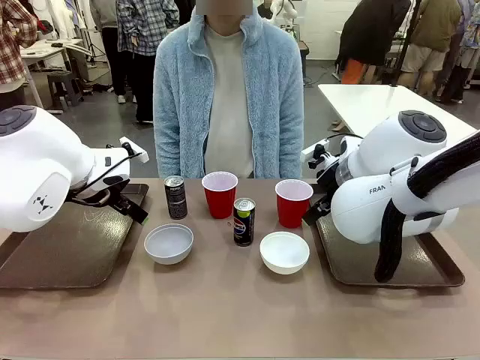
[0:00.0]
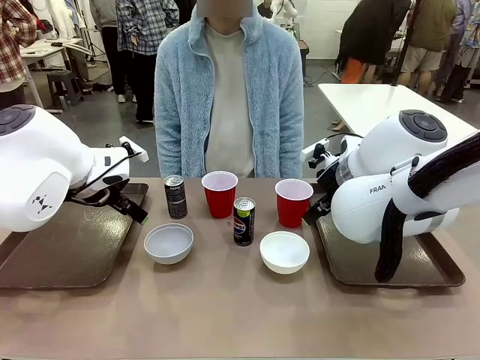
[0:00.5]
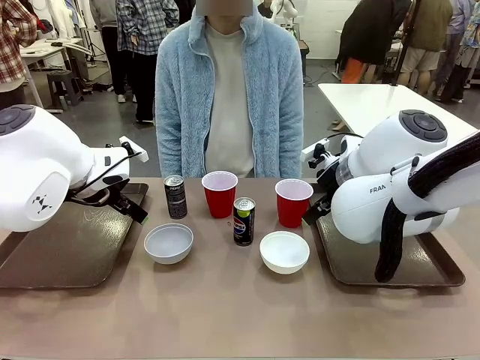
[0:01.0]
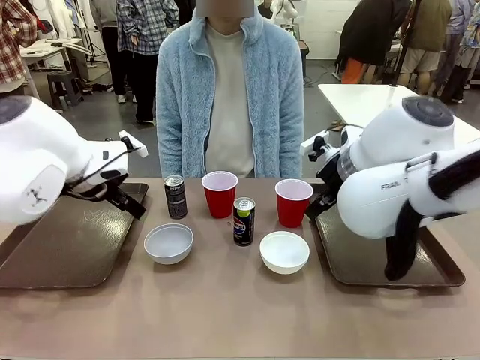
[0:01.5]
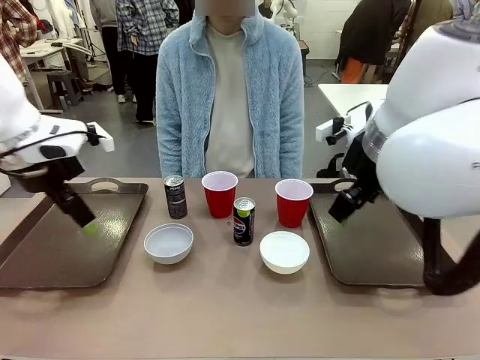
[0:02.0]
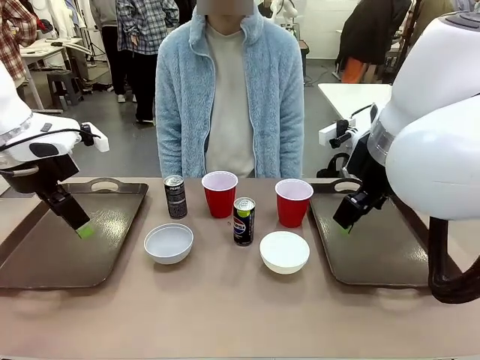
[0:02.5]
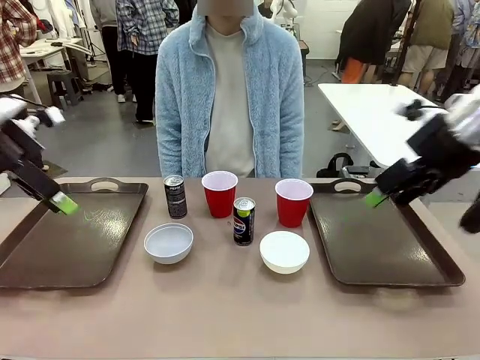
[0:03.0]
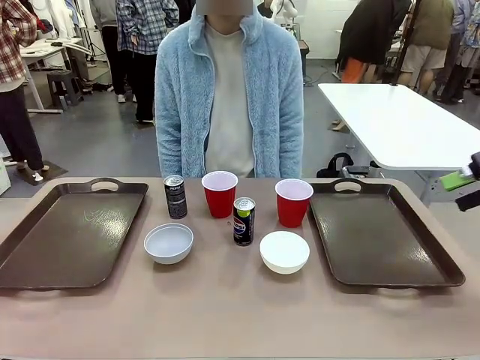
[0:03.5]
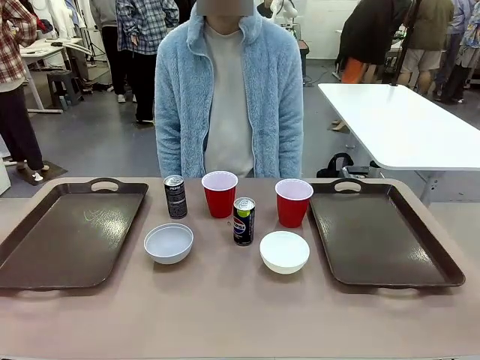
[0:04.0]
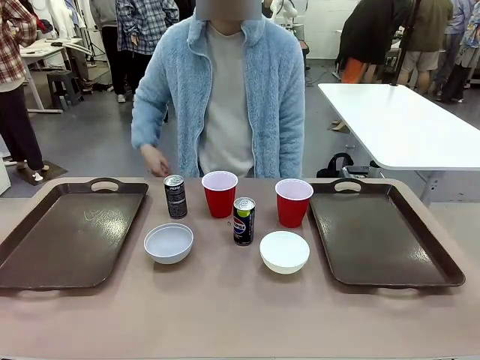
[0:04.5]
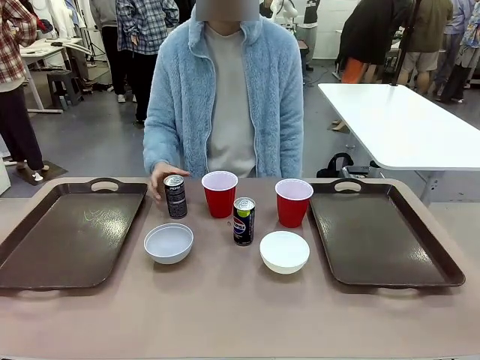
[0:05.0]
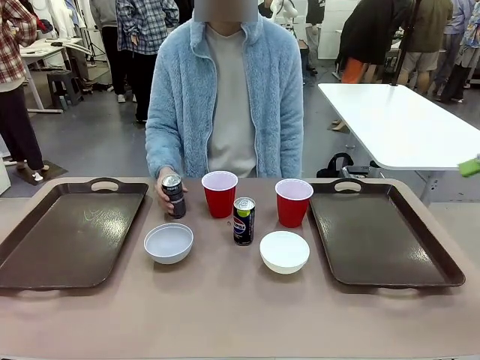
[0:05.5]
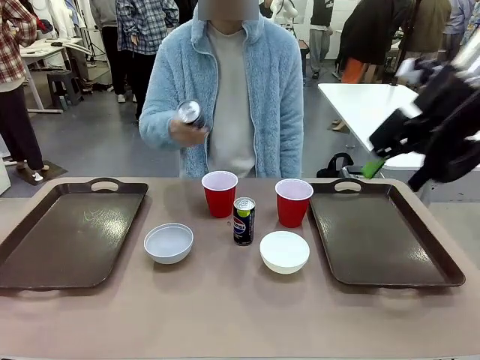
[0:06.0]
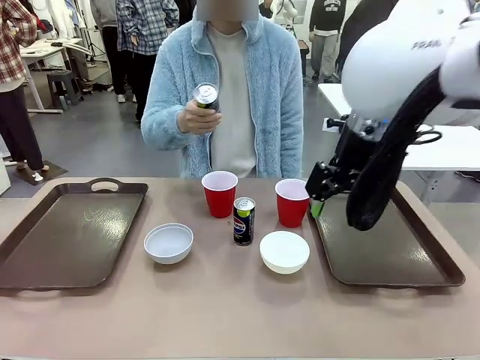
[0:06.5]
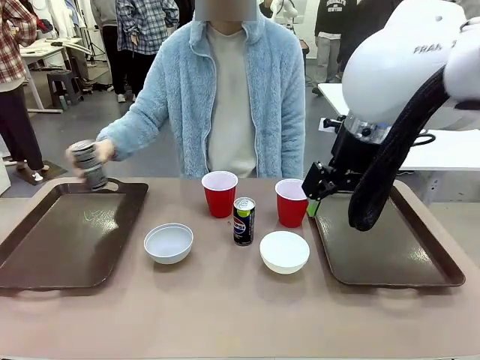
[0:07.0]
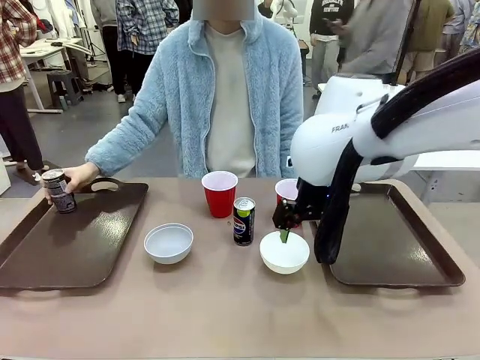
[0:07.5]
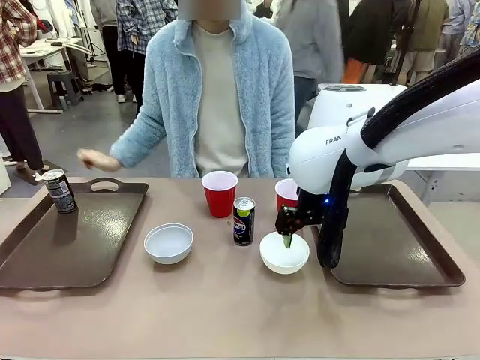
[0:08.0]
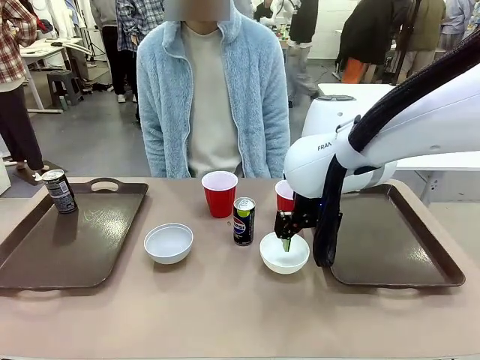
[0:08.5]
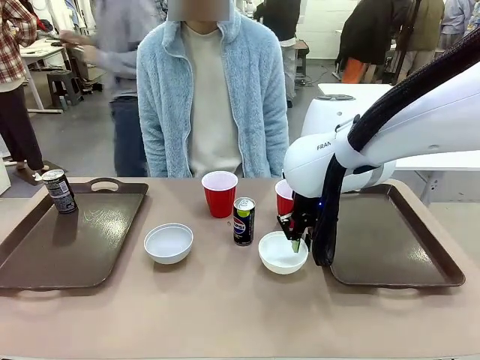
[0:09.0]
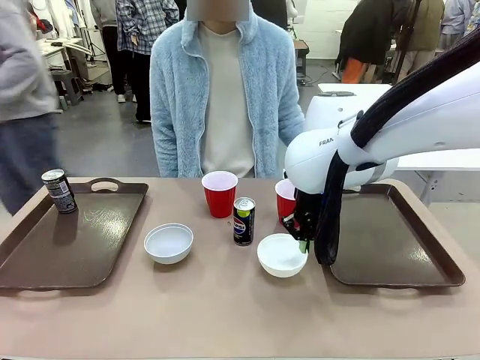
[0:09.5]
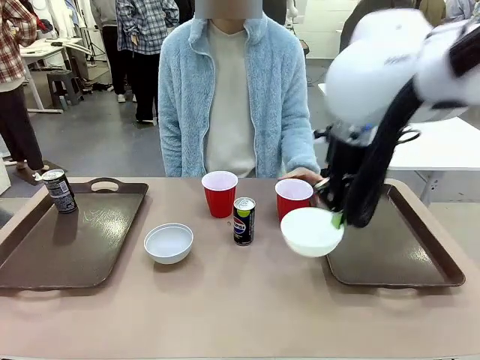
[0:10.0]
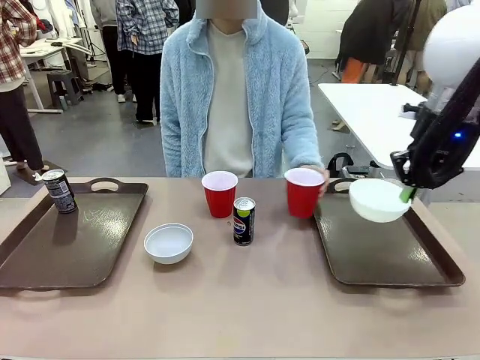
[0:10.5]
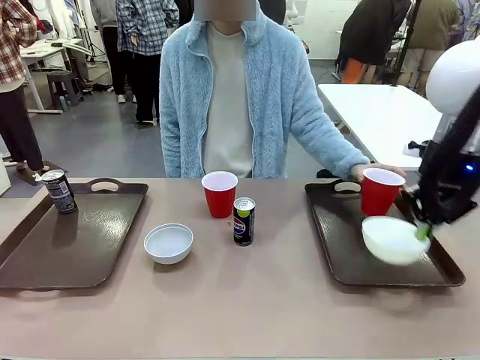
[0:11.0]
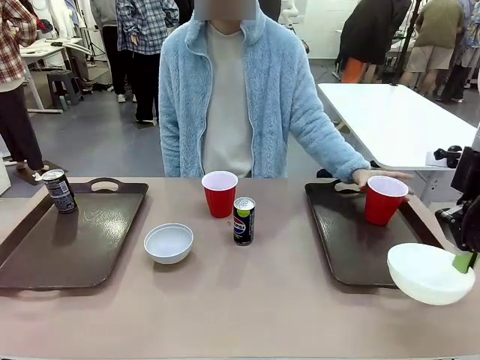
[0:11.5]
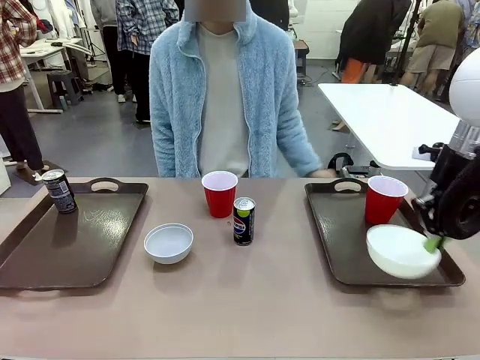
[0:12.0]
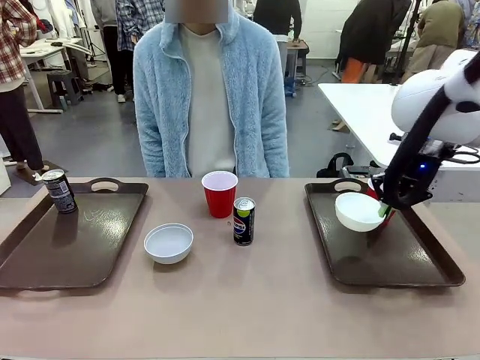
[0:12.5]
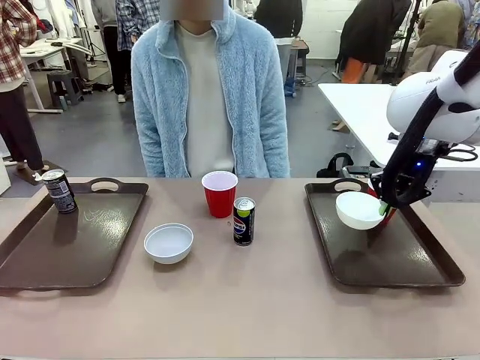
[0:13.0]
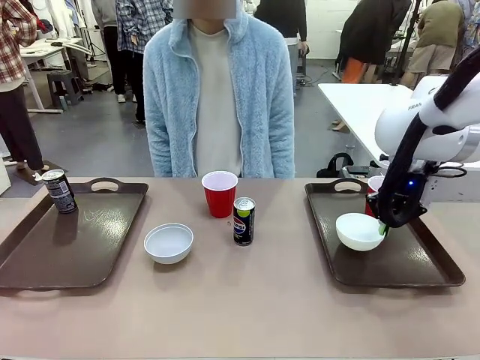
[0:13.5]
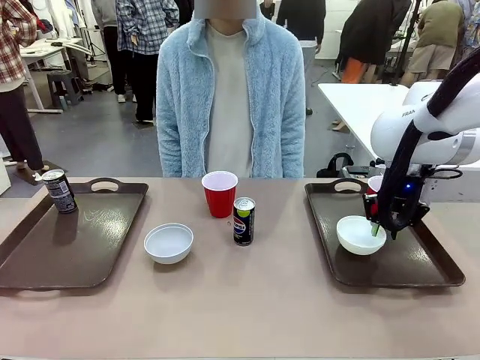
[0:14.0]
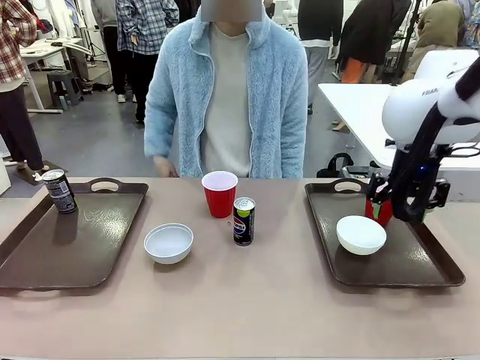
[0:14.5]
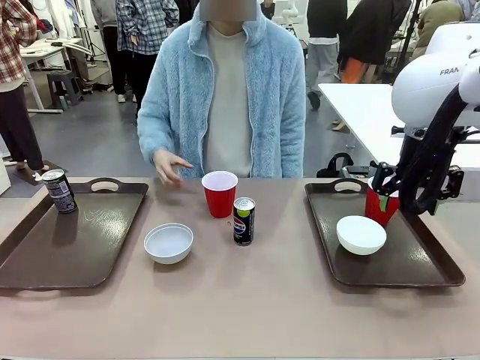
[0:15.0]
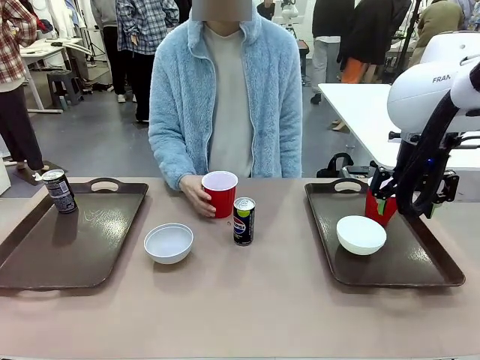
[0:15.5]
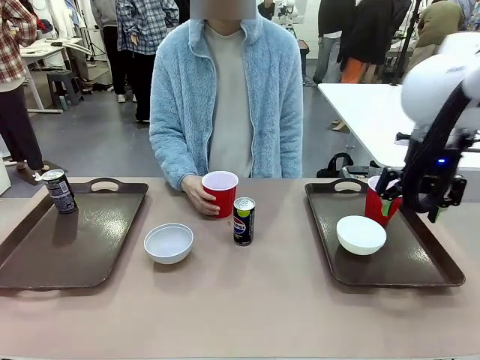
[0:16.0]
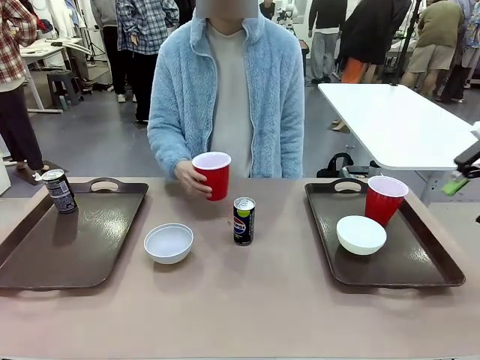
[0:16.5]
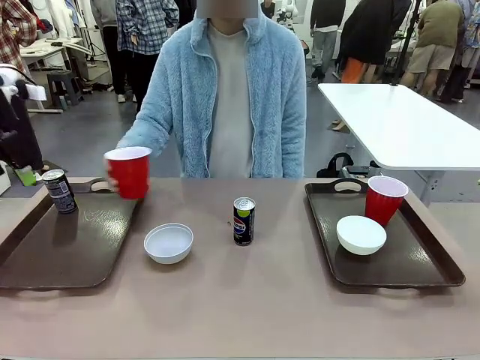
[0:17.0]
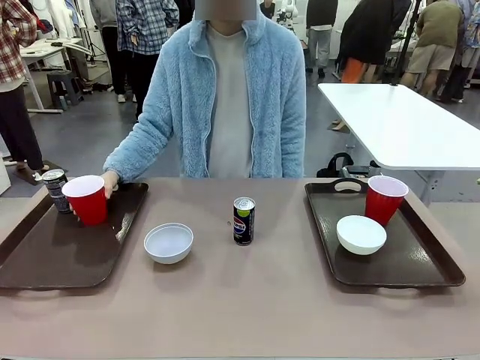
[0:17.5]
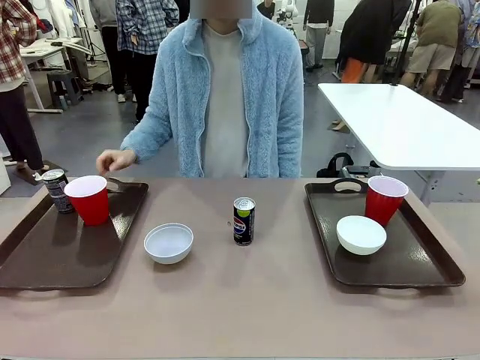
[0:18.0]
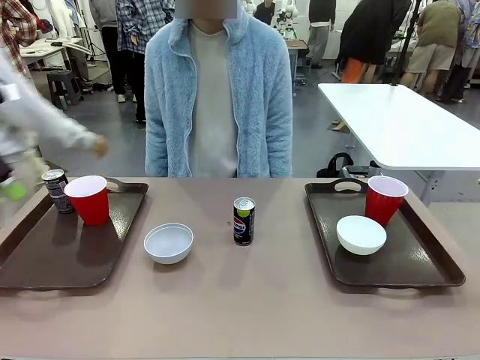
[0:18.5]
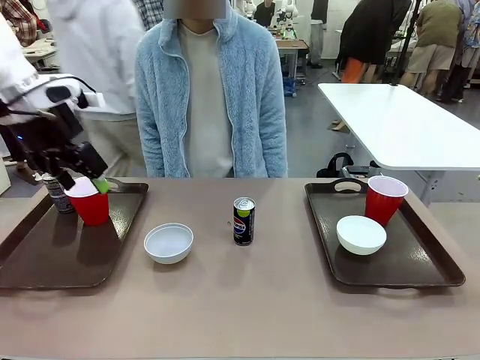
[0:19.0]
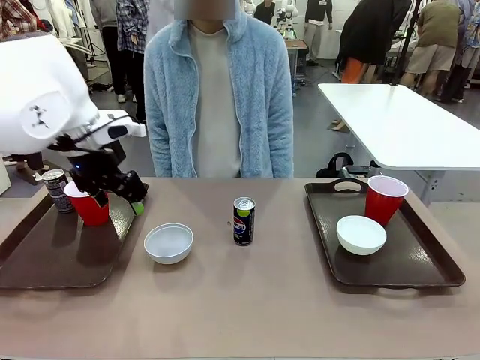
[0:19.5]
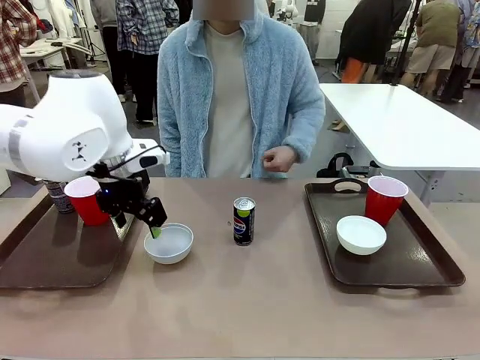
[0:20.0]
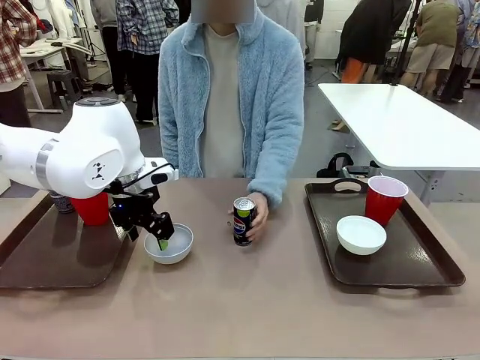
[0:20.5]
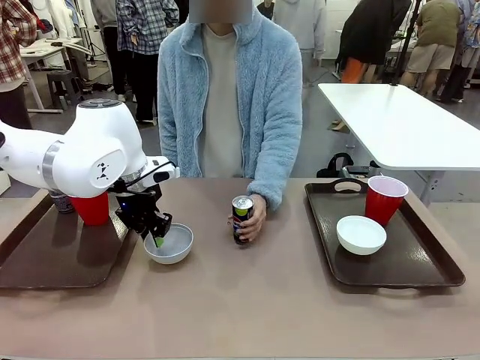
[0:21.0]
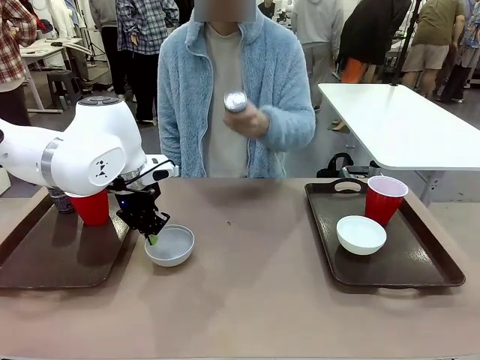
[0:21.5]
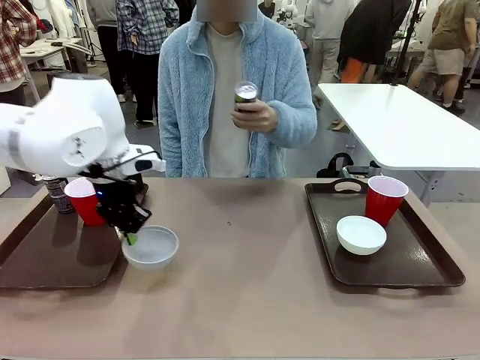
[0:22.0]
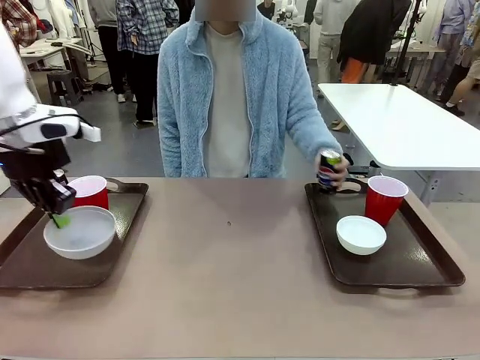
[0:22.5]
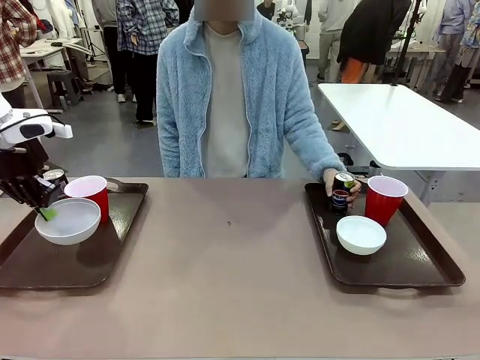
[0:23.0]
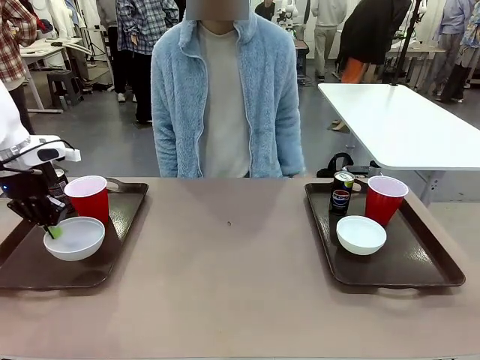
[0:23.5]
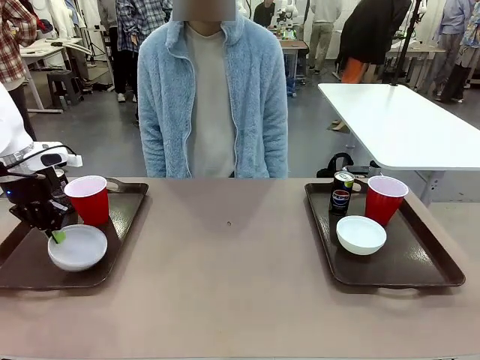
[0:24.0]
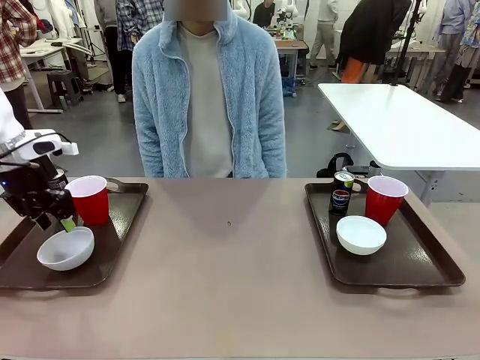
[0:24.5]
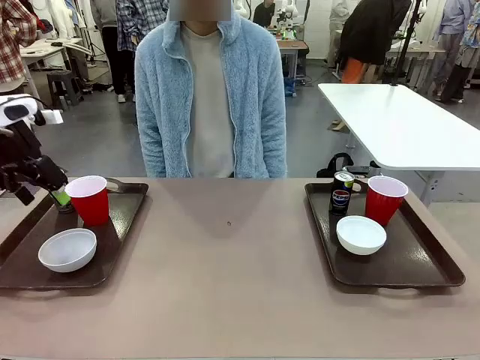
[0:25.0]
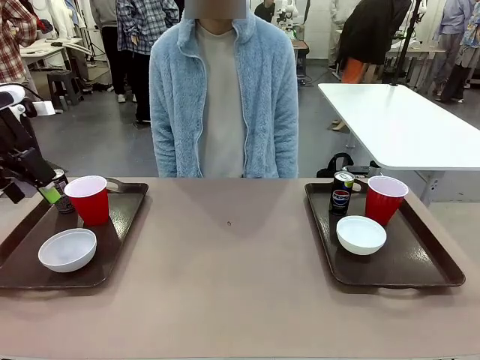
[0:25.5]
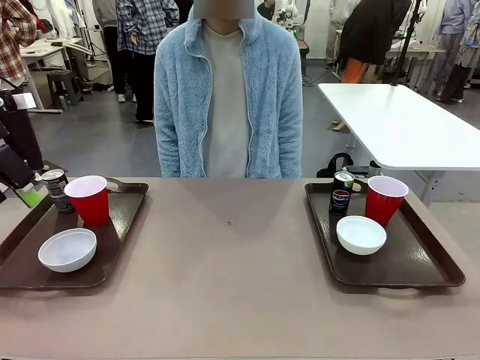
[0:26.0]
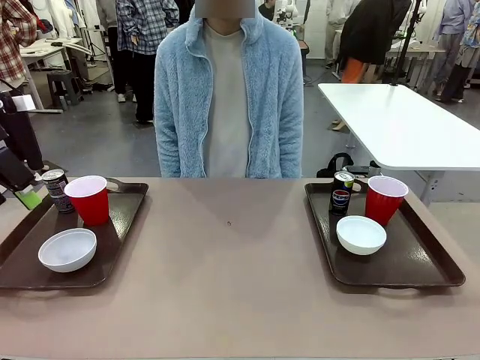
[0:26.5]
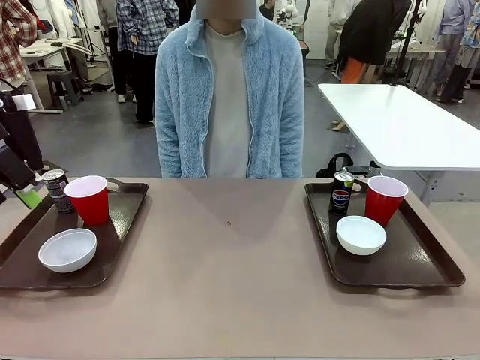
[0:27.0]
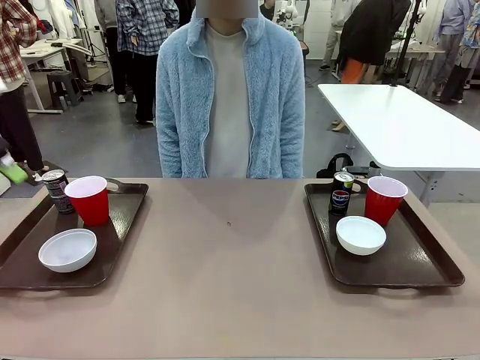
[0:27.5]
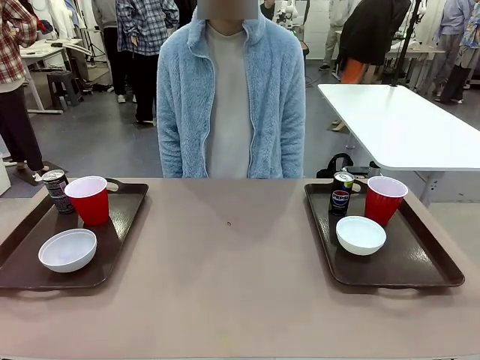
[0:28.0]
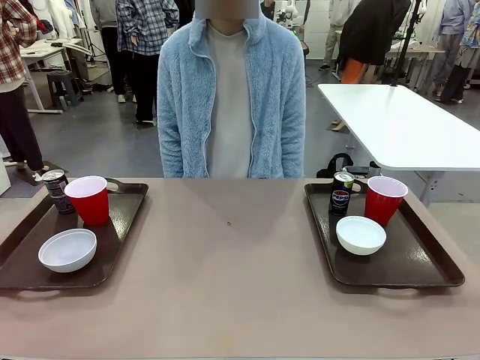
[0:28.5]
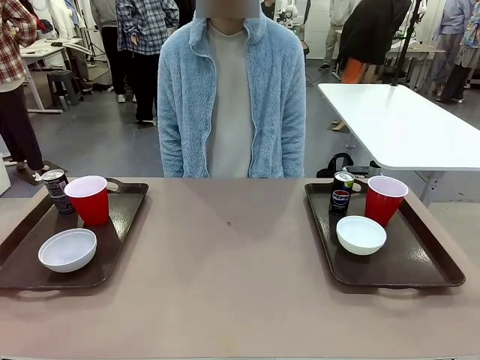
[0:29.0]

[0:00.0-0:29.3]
Task: Prepare tableware on both trays.
Robot: Pick up a Picnic Bowl from the table and place it on a Handle tray.
Person: Pick up a can or cup and place it on the tray. Pick up a can or cup and place it on the tray without a can or cup.
